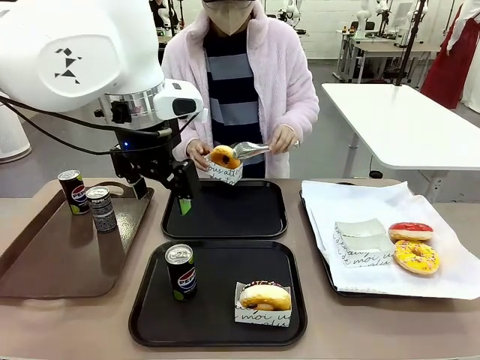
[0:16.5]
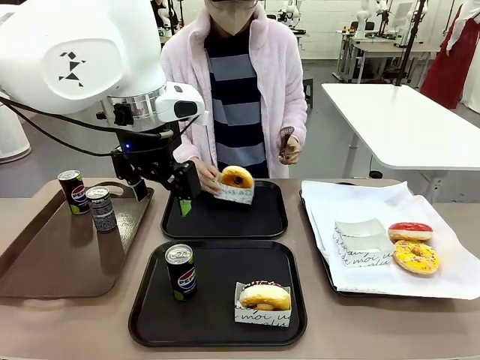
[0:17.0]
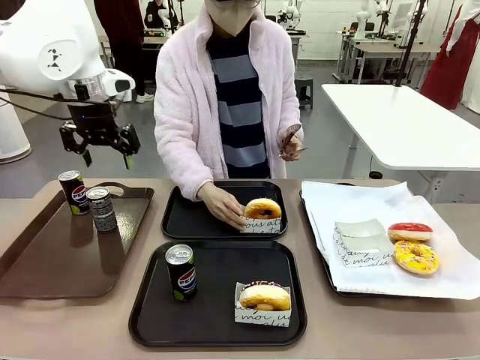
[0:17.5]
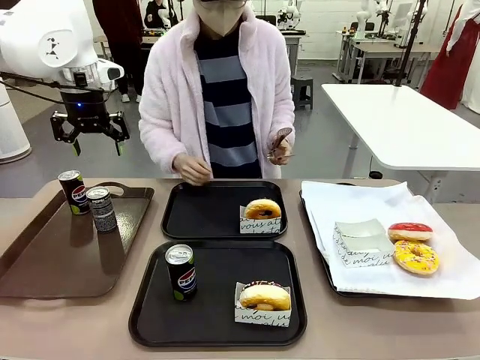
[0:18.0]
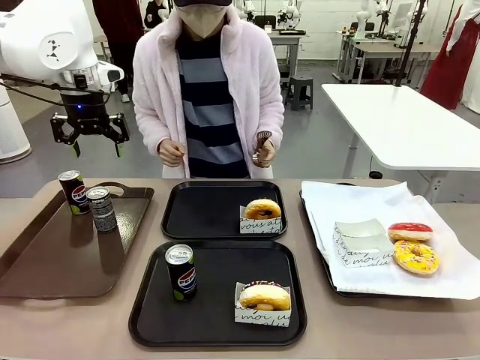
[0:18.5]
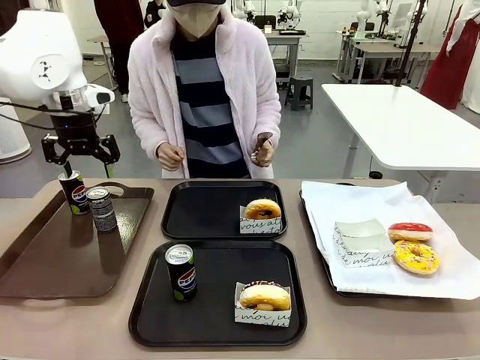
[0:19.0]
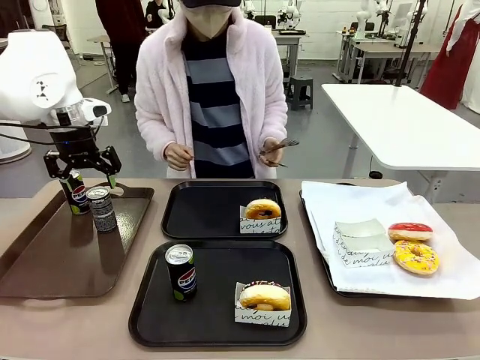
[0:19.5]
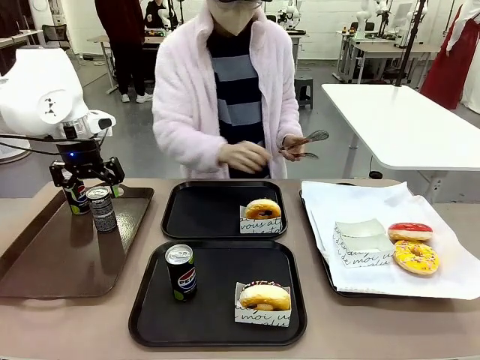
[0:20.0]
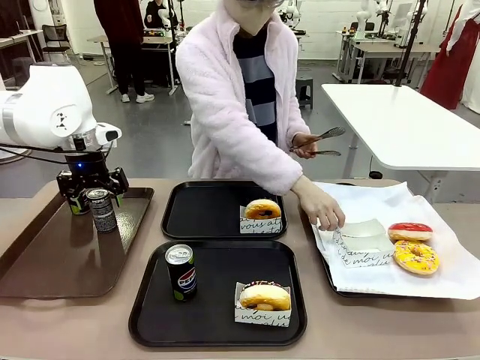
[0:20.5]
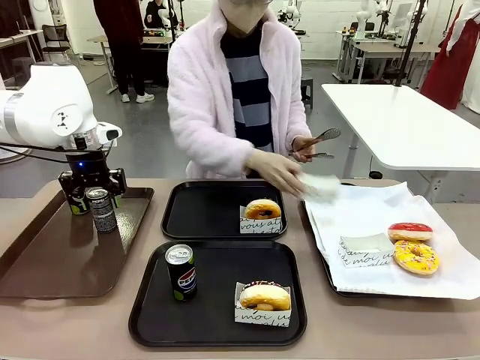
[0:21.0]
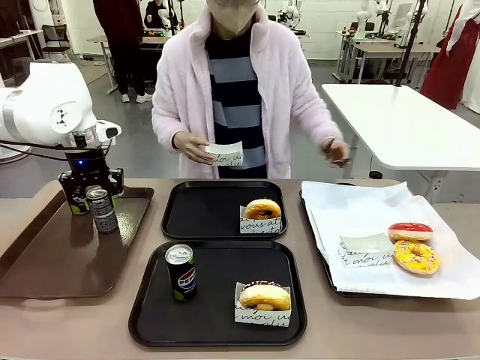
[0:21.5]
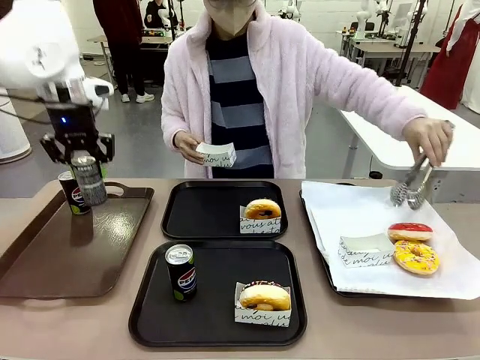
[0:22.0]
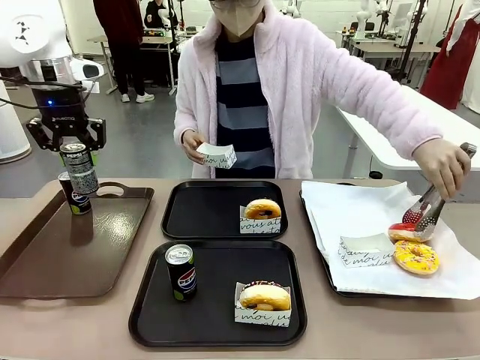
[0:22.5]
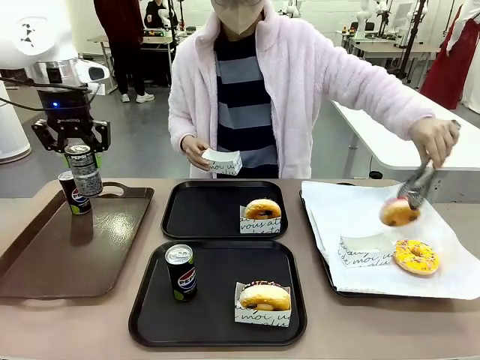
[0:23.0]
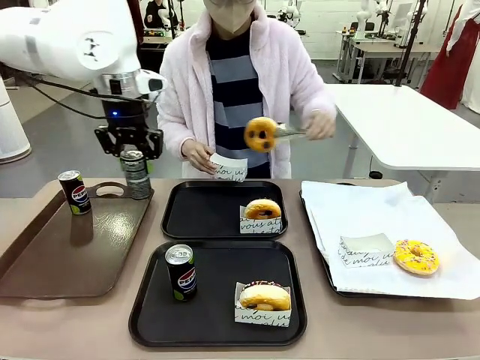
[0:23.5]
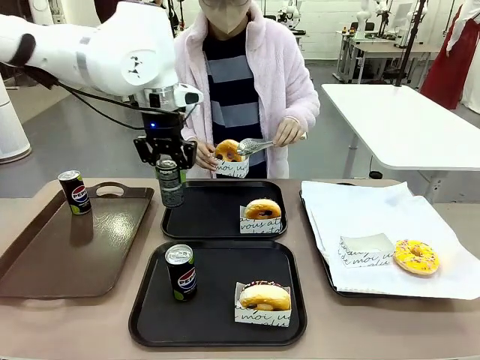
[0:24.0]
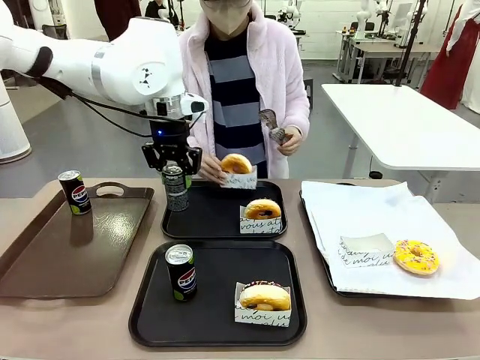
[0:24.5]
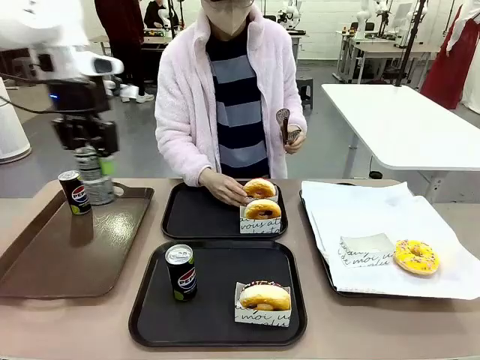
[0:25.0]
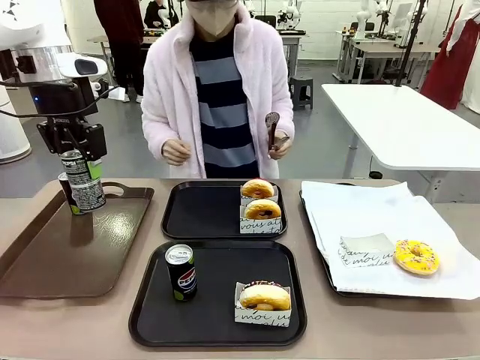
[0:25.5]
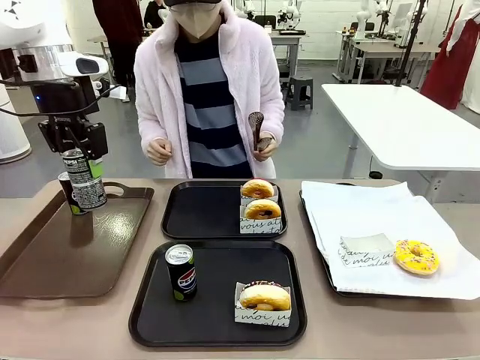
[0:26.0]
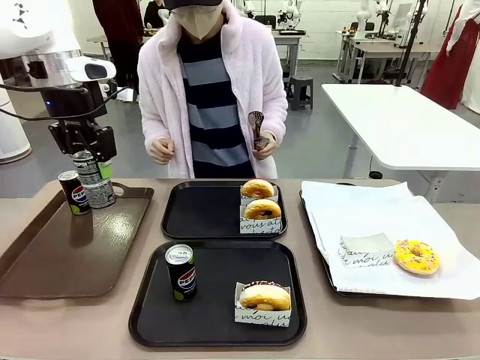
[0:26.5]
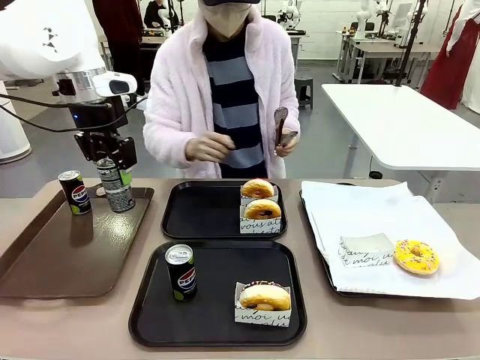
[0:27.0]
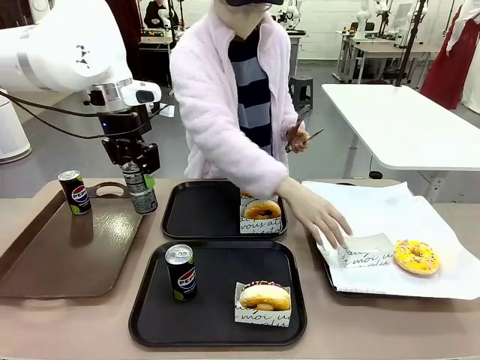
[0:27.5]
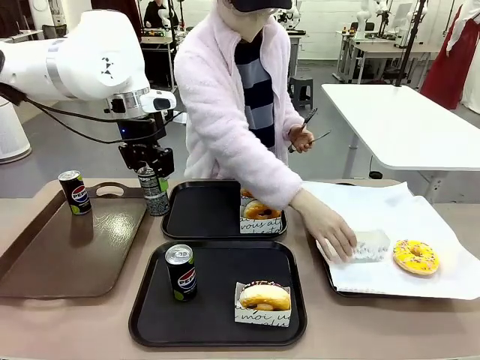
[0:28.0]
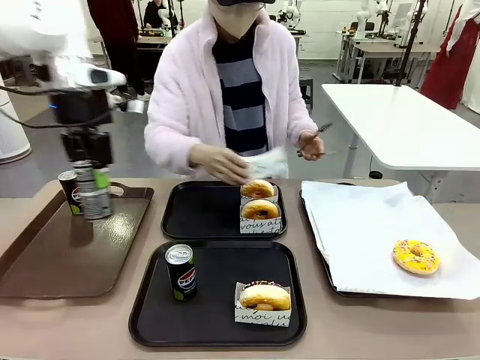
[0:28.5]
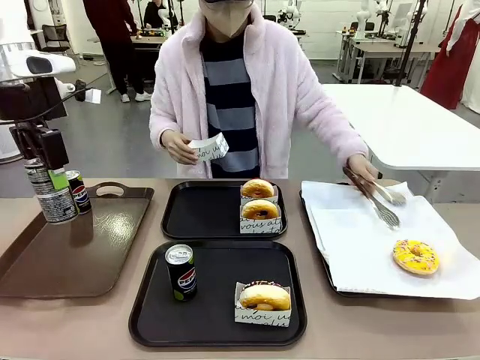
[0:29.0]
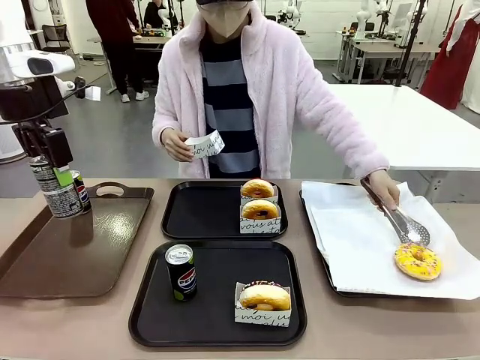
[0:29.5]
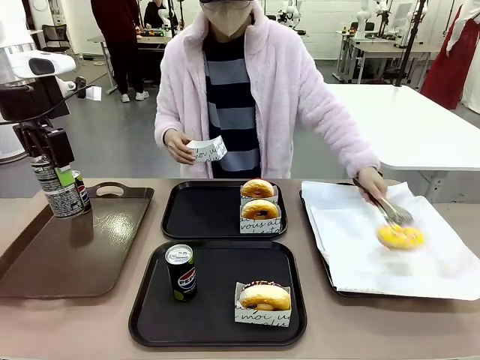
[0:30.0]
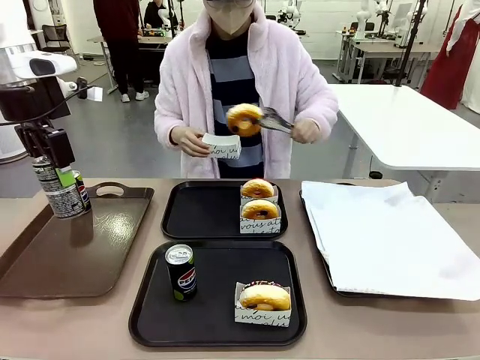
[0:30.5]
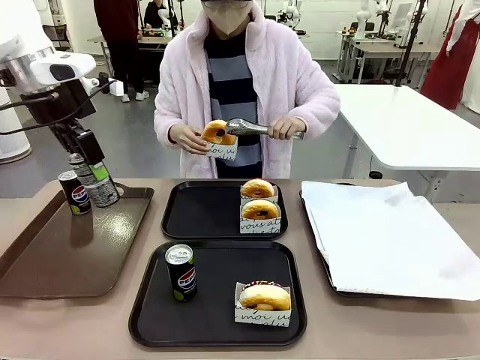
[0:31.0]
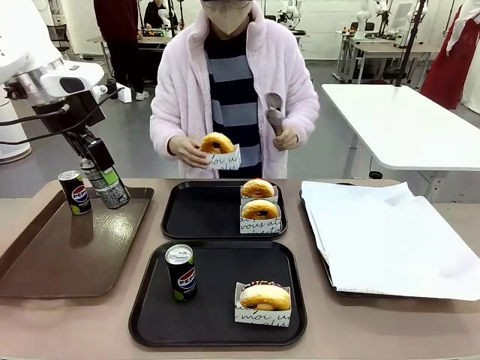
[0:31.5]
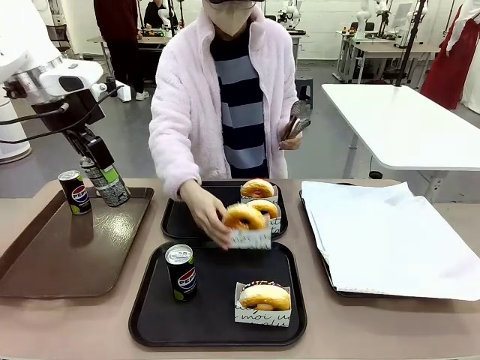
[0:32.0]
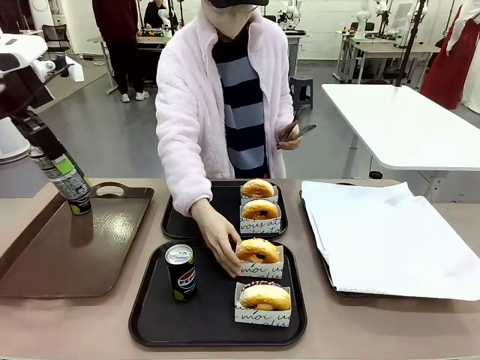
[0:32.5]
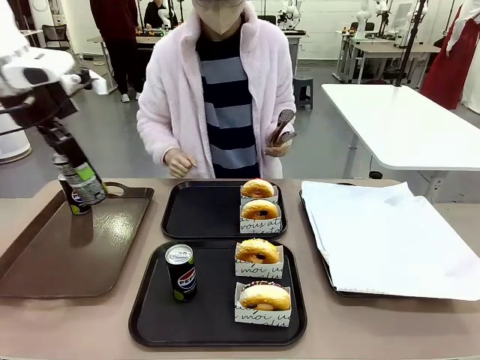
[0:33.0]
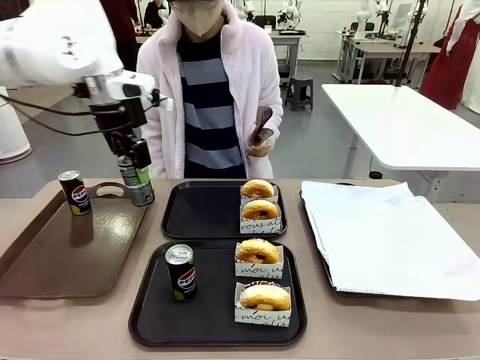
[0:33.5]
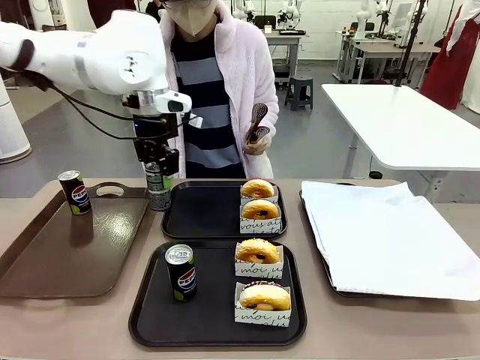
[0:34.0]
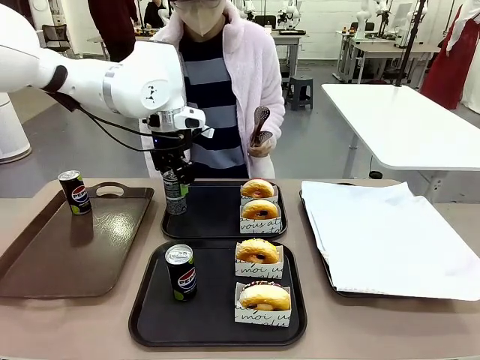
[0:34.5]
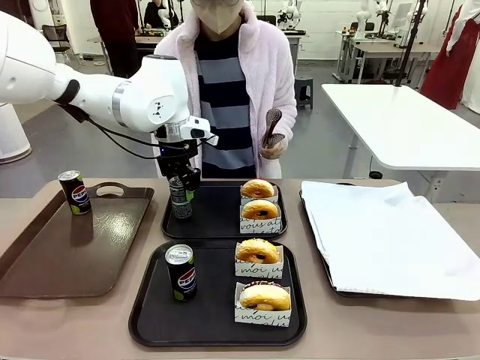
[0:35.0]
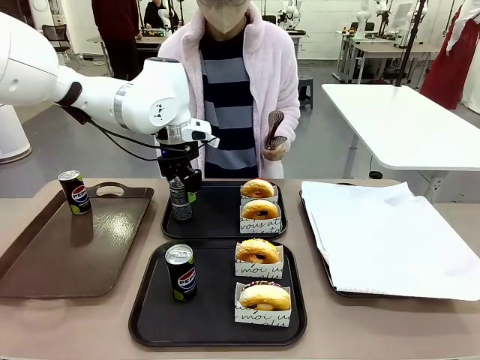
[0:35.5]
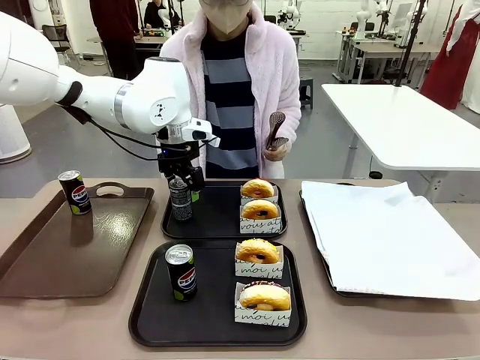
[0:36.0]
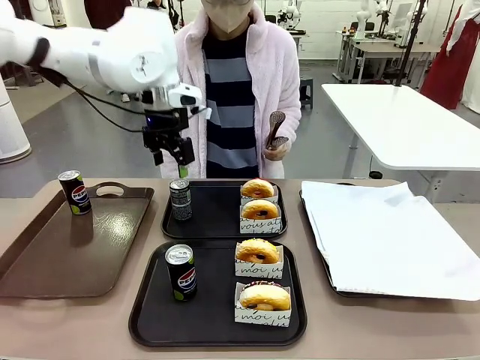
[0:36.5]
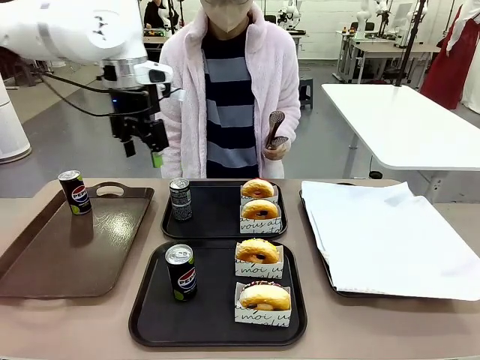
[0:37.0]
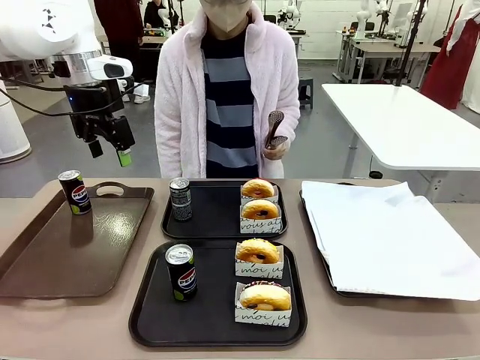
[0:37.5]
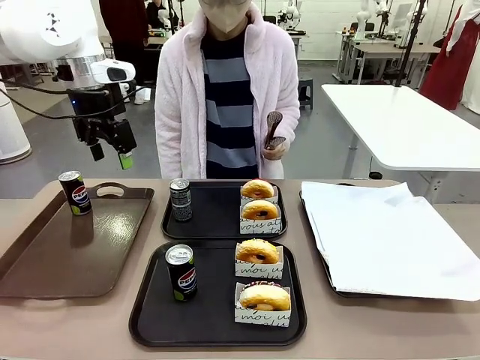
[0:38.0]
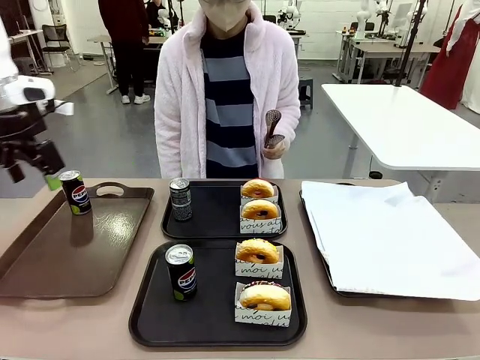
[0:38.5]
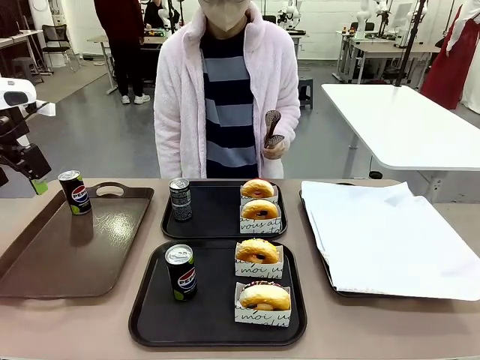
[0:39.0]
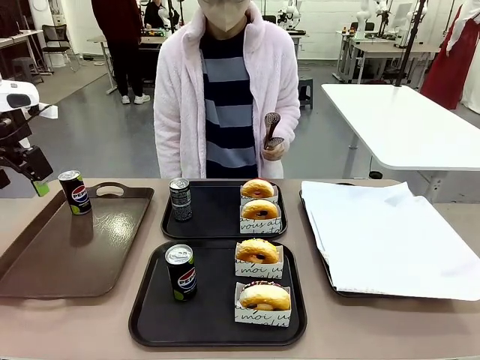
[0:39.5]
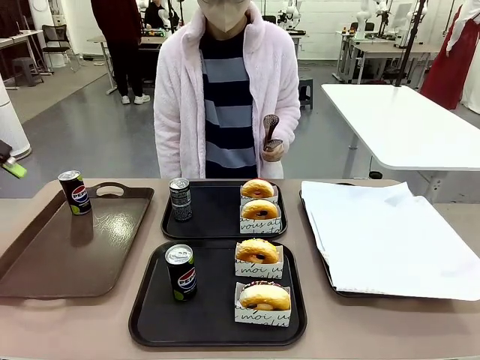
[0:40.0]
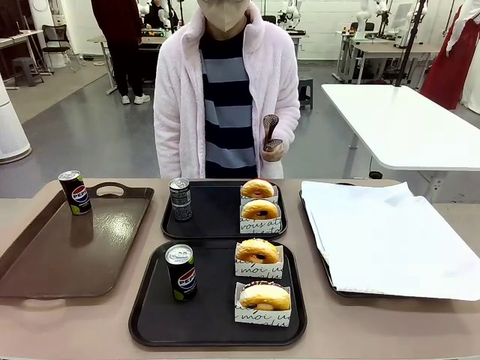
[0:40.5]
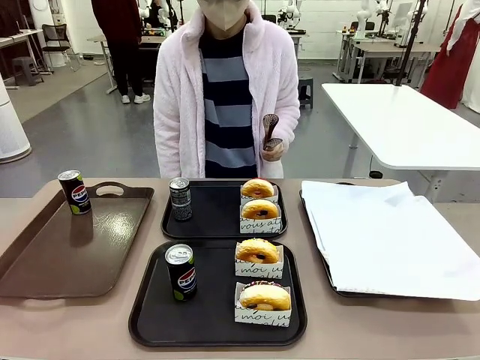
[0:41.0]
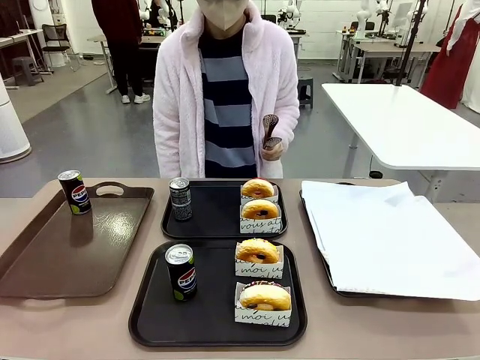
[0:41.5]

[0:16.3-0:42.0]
Task: Set up donuts and drinks on trays.
Robot: Pick up one Pepsi coke from the Handle tray and place it on the Flat Tray without a Pepsi coke.
Person: Pick up one donut with tongs, place it in the donut tray, and then place the donut tray on the flat tray.
